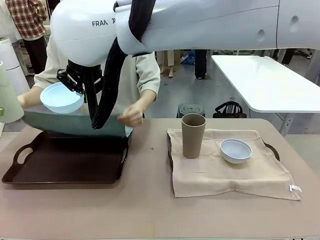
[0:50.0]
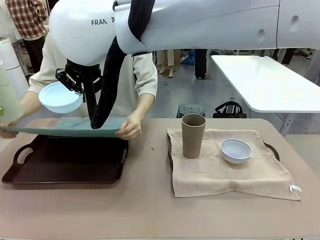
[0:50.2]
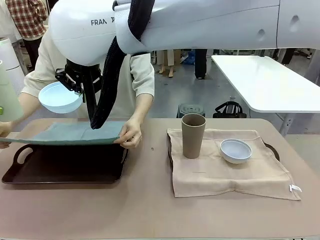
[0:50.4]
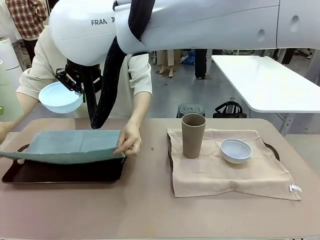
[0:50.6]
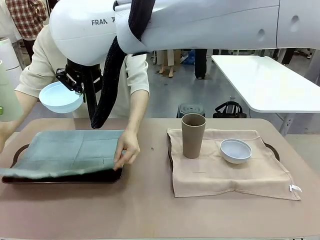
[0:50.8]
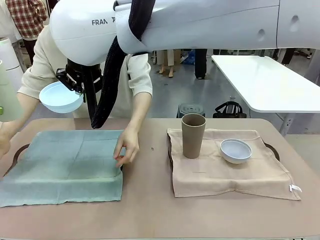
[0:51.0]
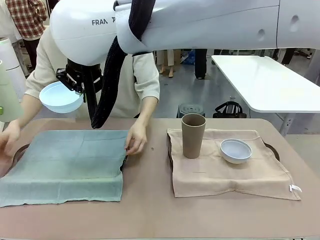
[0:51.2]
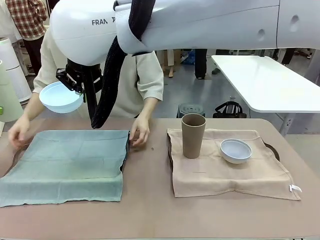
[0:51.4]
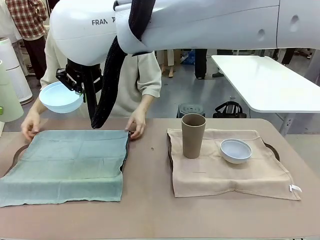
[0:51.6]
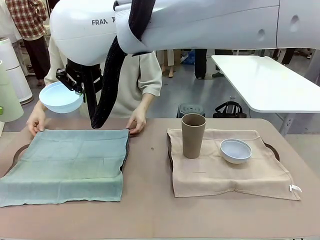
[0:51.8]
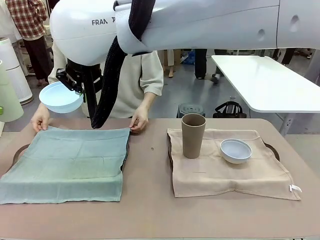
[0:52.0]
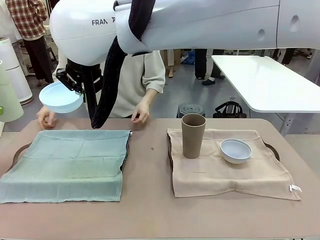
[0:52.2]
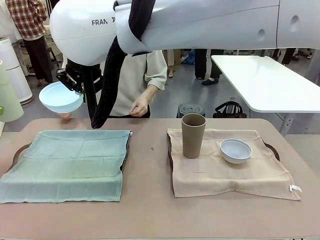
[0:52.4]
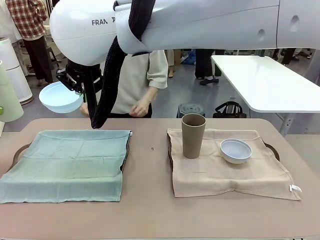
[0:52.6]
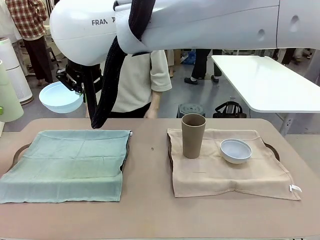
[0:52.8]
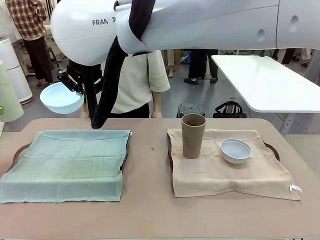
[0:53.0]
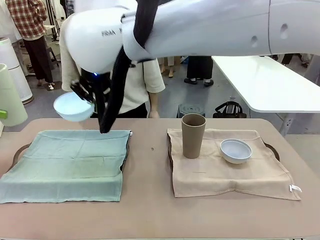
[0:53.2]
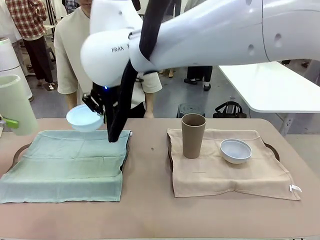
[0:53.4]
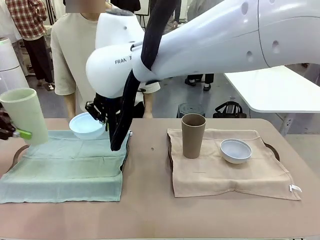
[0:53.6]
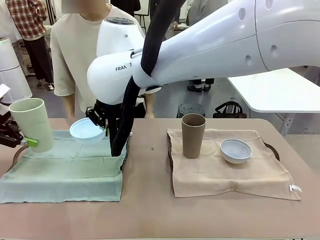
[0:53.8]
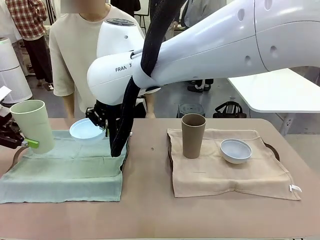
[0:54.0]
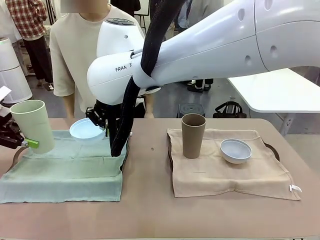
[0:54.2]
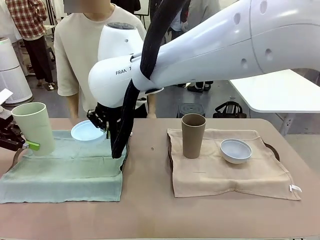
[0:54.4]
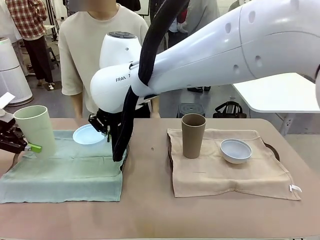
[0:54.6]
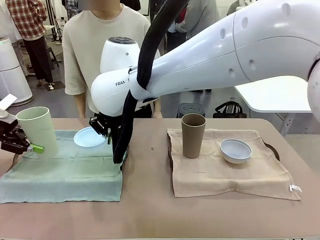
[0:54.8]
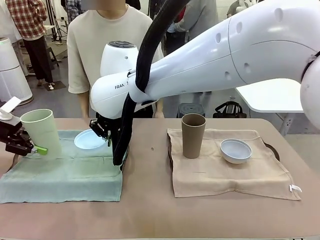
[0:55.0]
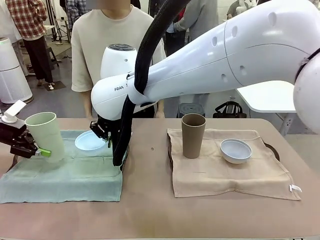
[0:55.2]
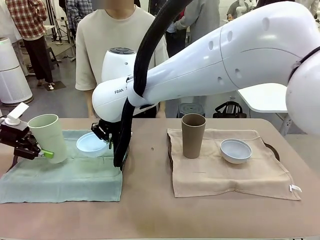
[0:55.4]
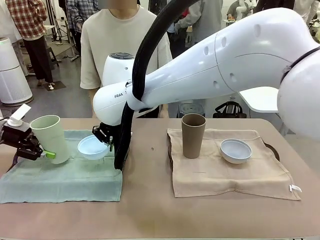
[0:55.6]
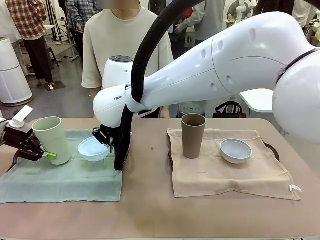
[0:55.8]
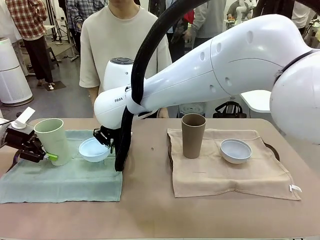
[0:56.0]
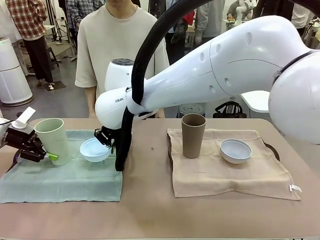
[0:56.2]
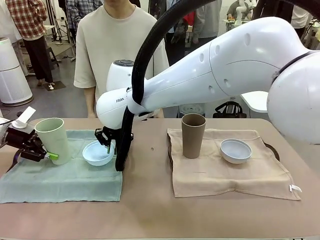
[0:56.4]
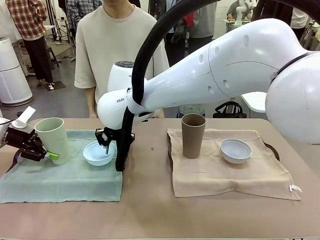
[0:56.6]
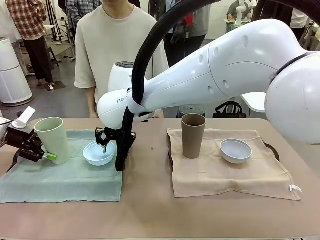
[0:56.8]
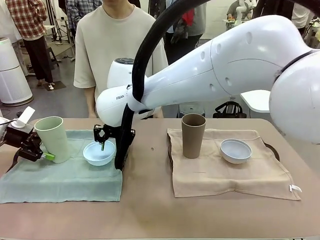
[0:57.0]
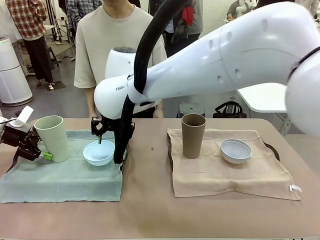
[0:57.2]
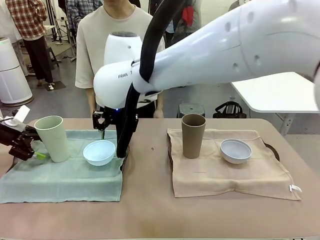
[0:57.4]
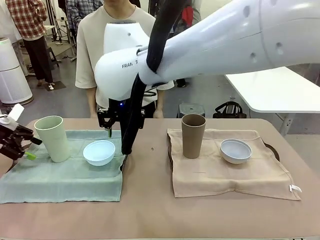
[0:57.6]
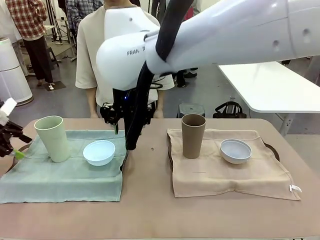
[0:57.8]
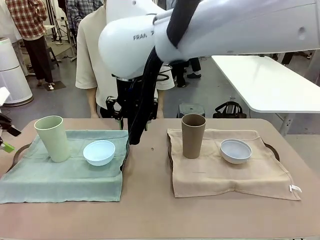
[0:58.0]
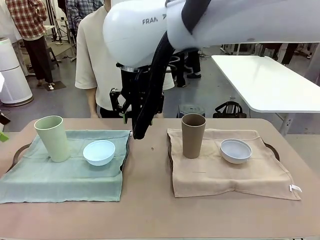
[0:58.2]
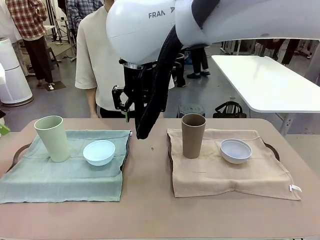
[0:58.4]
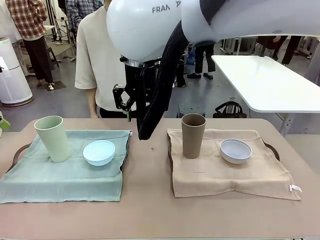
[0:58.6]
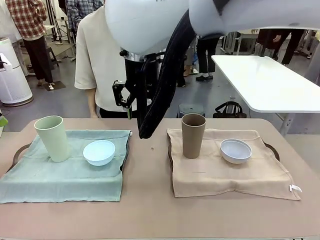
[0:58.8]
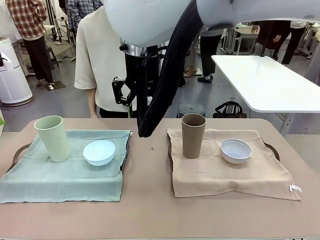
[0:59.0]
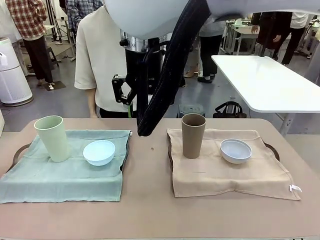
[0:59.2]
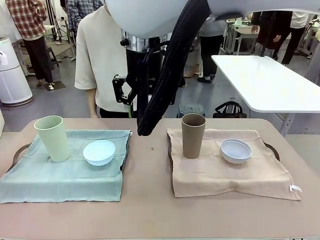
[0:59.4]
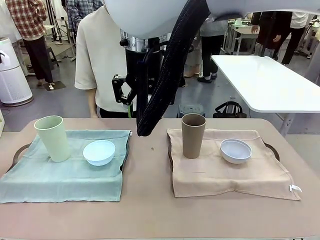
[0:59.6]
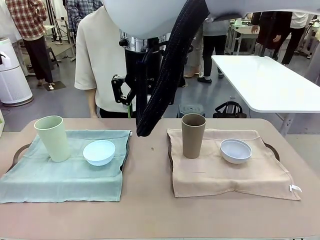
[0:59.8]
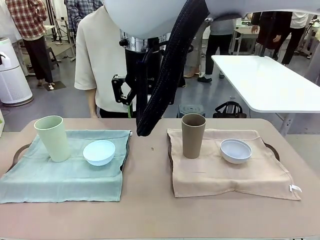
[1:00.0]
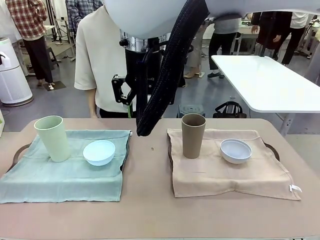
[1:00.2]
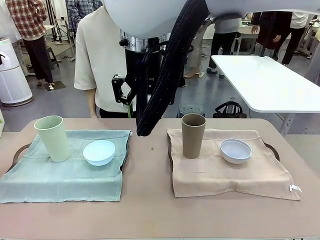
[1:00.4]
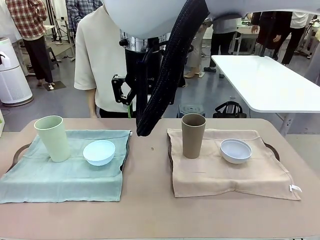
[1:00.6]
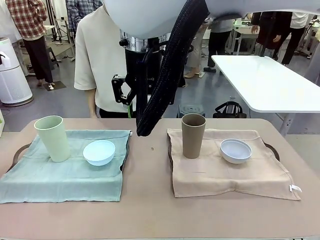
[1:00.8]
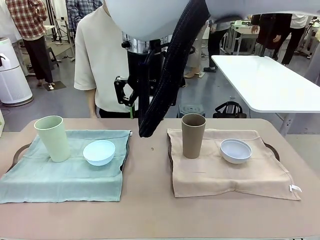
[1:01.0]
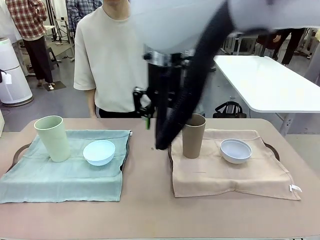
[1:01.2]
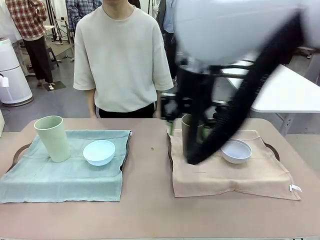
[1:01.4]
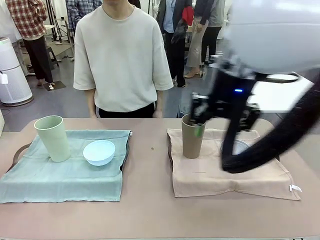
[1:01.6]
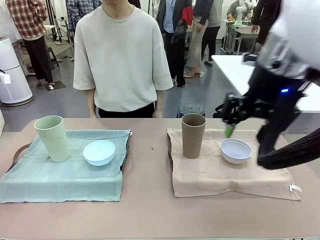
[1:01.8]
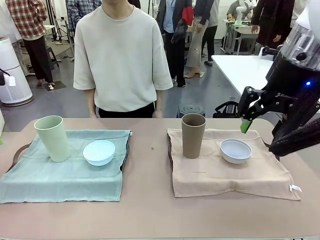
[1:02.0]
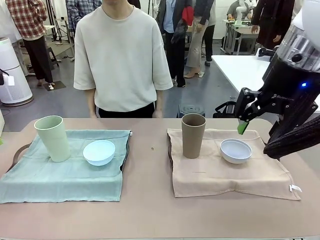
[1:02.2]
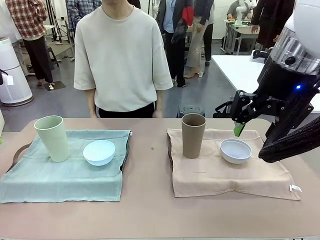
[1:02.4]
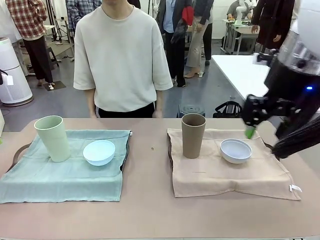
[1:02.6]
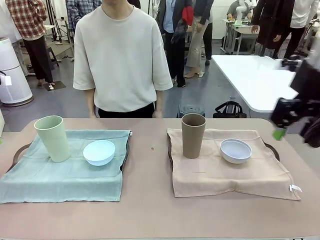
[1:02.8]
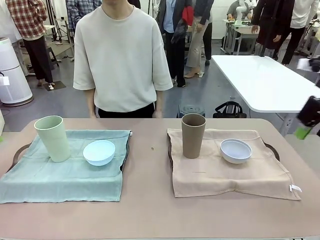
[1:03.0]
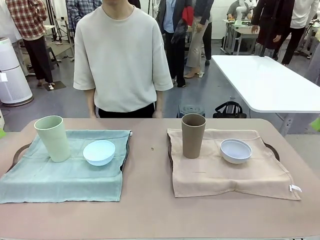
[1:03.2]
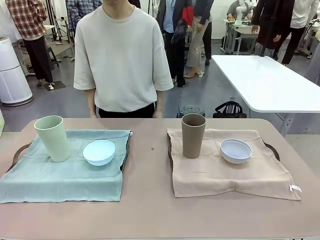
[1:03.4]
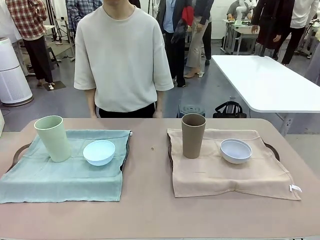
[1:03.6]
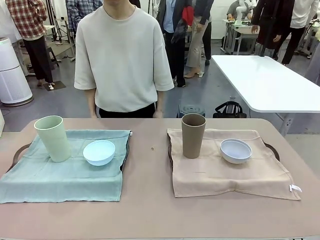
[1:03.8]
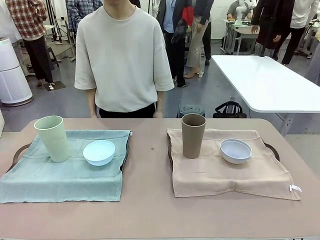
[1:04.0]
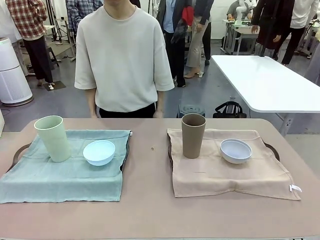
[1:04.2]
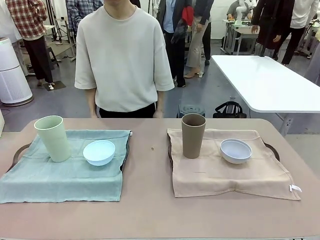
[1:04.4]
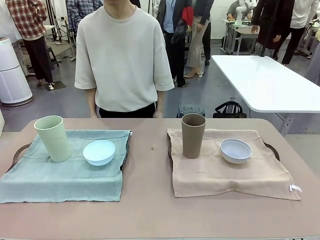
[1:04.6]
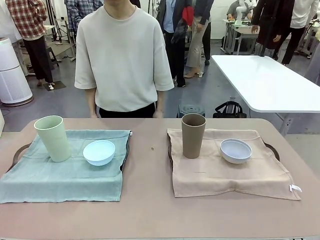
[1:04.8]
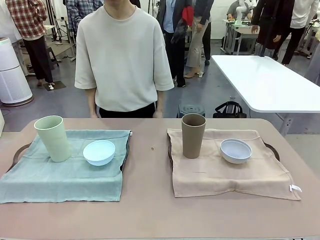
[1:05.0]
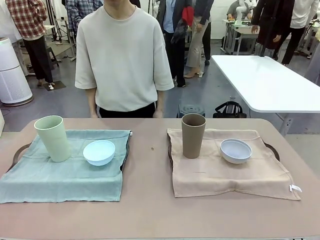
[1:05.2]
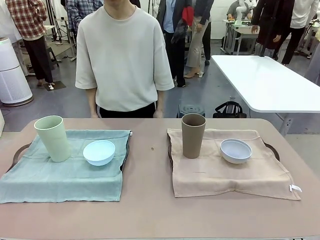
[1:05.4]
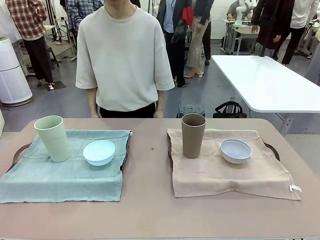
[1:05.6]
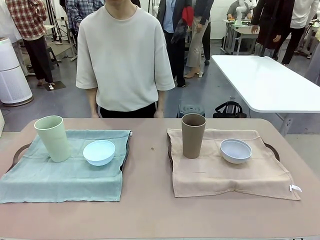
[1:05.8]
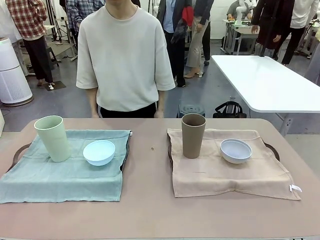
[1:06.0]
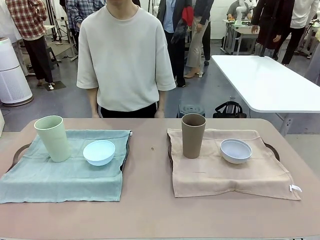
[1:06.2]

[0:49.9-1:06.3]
Robot: Place the Picnic Bowl and Reusable plastic cup back onto the Handle tray in front of the human's position.
Person: When the robot lifts the bowl and the cup, the human unfolds the napkin and lays the napkin flat on the tray.

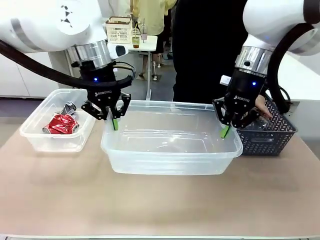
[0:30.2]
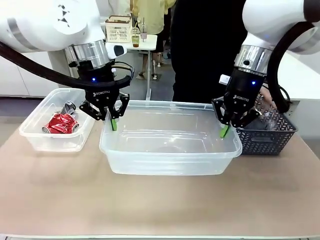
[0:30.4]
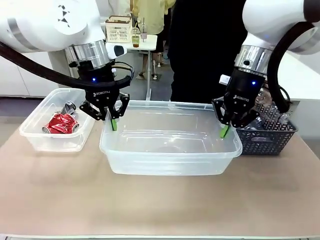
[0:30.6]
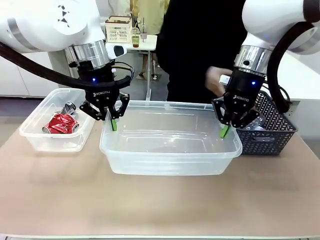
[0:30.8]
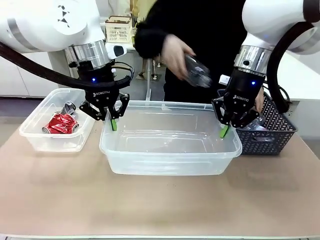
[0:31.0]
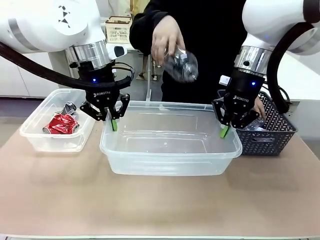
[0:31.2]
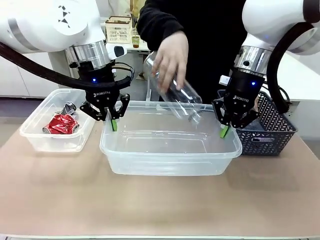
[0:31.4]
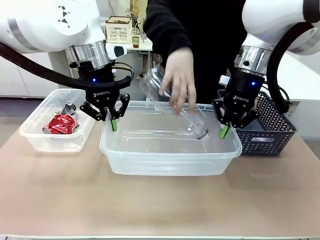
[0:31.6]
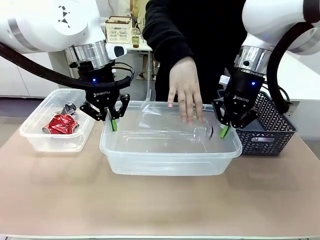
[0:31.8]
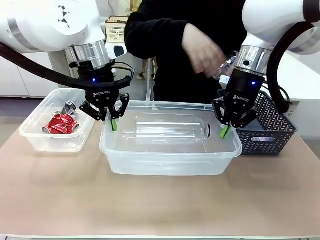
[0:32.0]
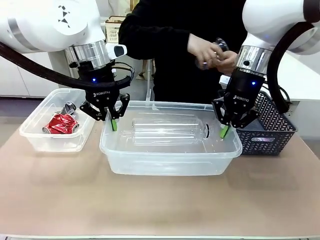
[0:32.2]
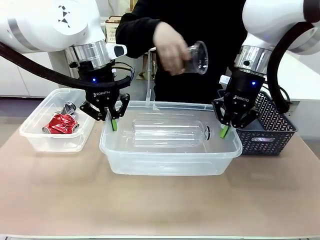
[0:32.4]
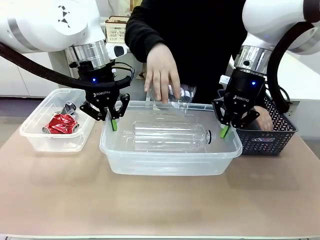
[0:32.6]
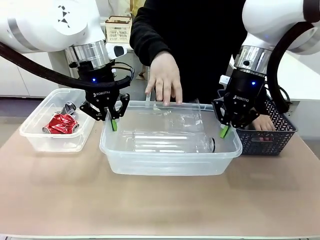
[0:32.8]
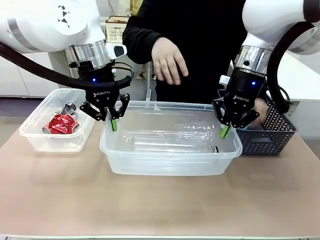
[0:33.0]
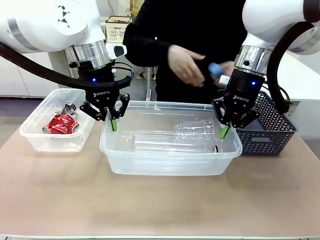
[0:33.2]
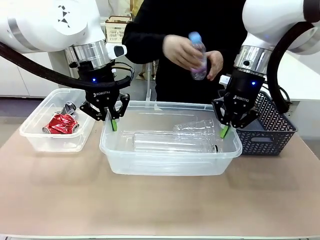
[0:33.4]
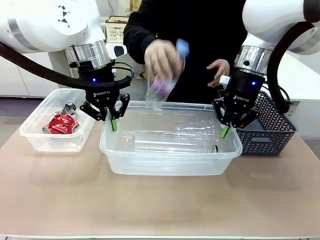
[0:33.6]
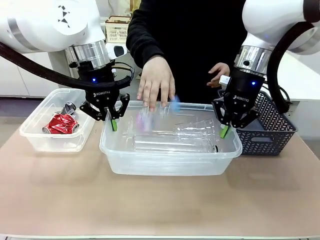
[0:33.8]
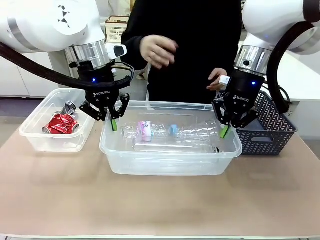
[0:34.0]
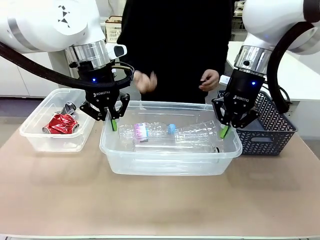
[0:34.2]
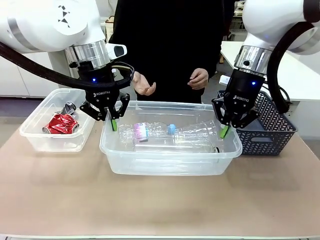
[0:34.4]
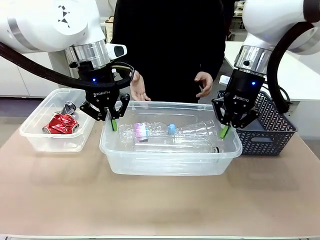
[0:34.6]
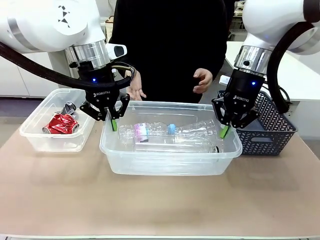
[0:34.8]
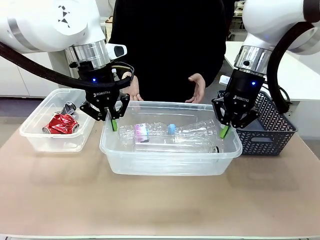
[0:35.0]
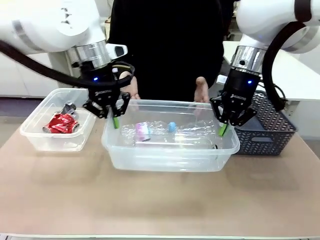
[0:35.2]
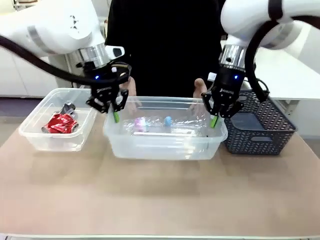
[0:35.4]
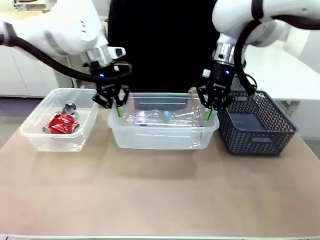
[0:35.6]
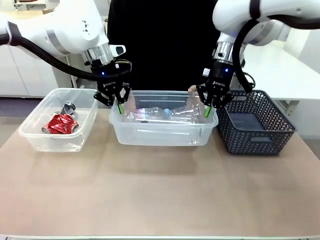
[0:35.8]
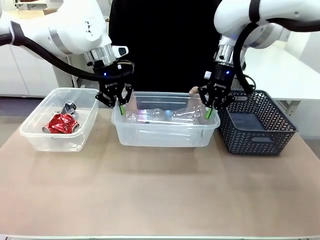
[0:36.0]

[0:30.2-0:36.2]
Robot: Offer the picked Organizing box to the human.
